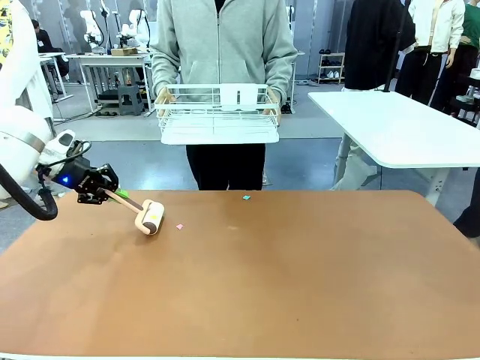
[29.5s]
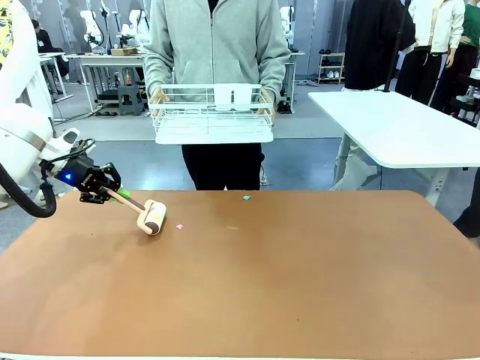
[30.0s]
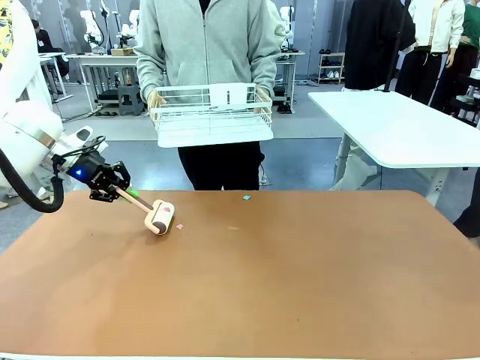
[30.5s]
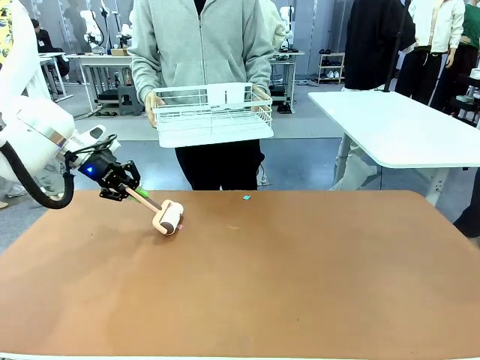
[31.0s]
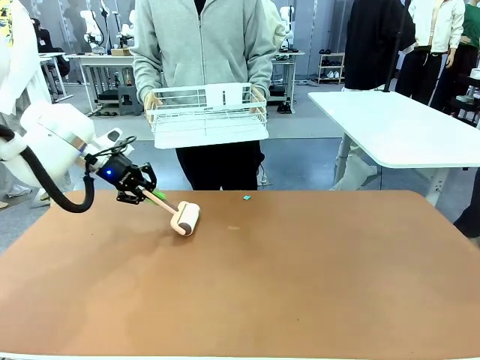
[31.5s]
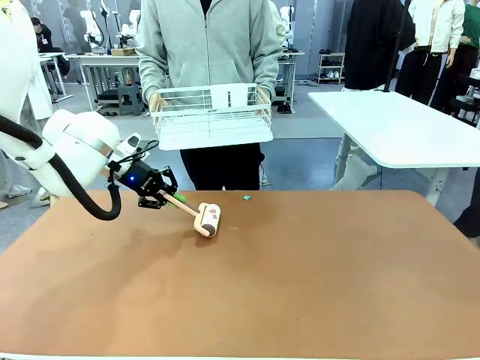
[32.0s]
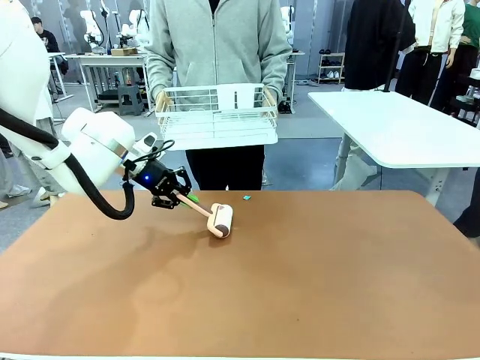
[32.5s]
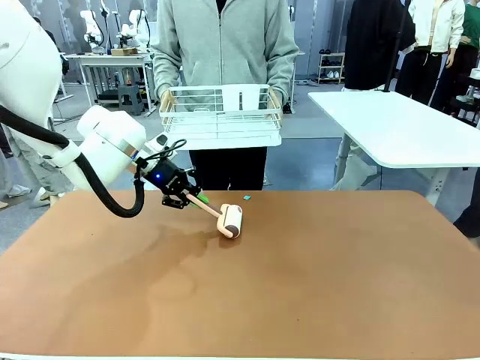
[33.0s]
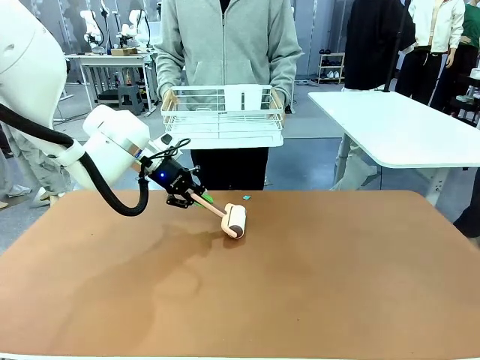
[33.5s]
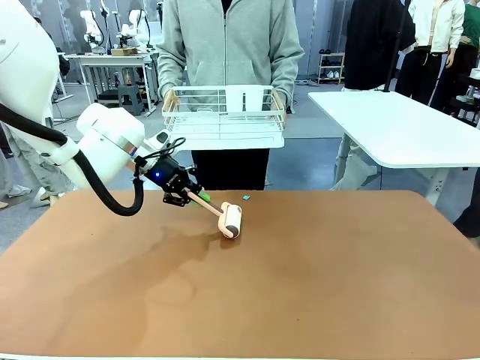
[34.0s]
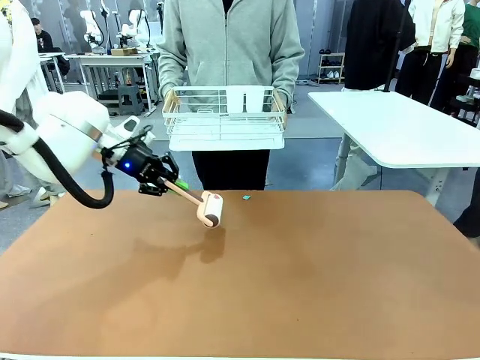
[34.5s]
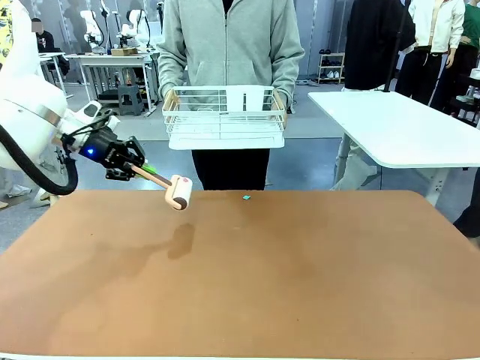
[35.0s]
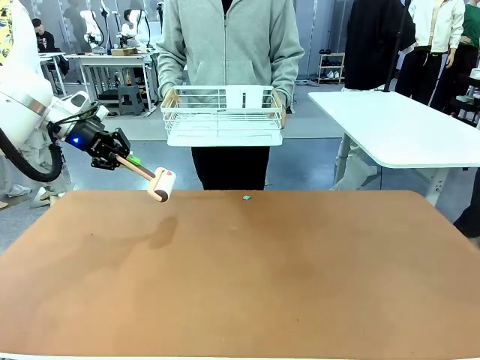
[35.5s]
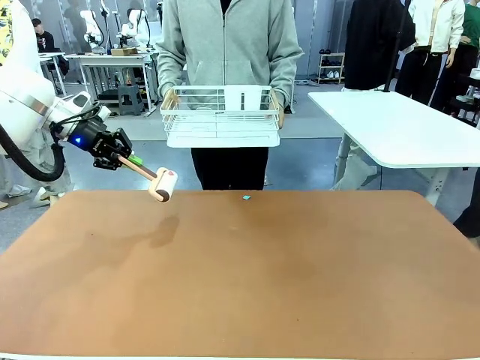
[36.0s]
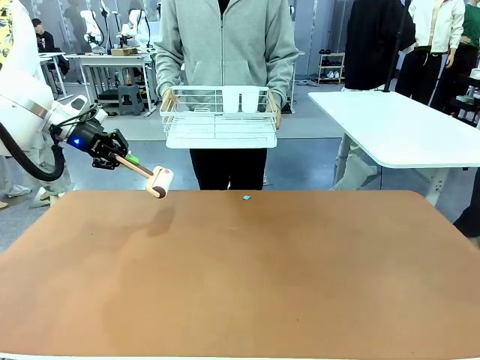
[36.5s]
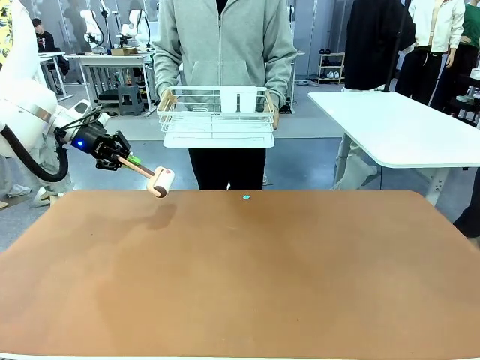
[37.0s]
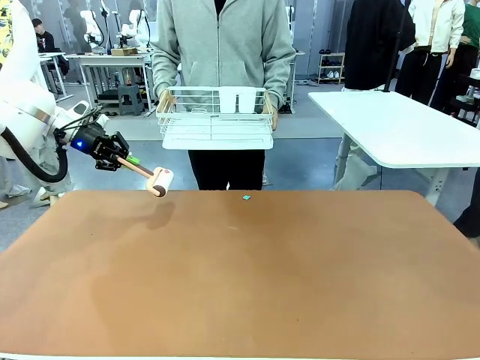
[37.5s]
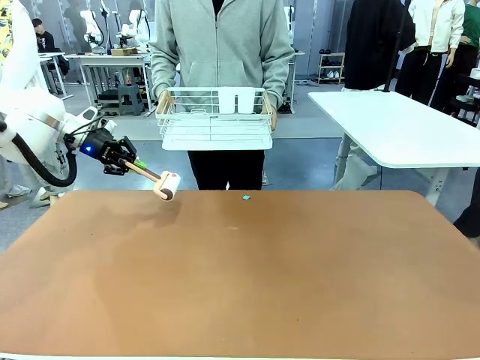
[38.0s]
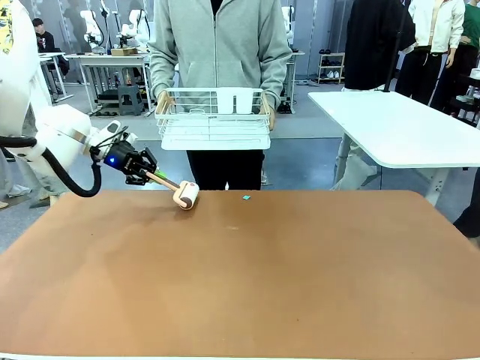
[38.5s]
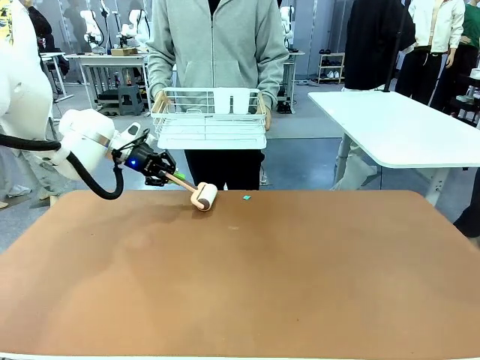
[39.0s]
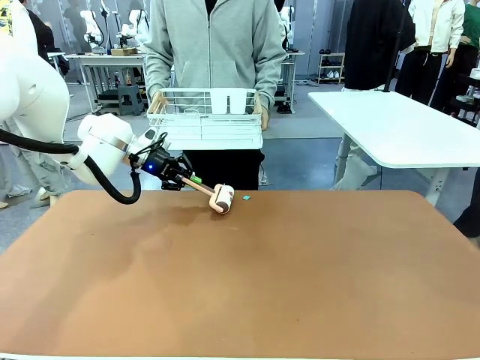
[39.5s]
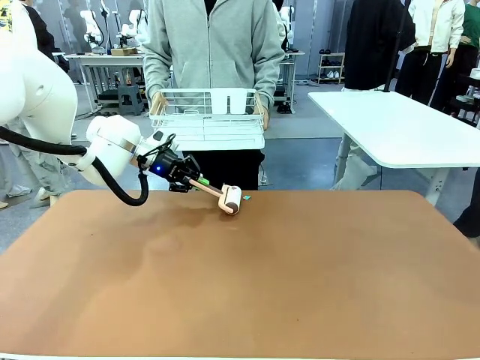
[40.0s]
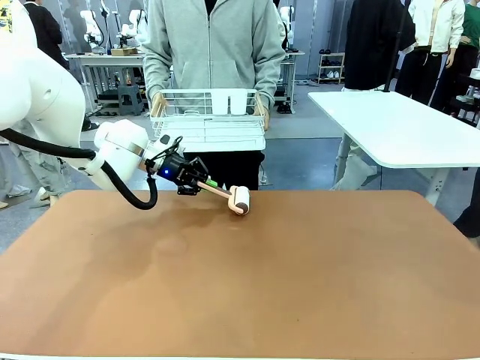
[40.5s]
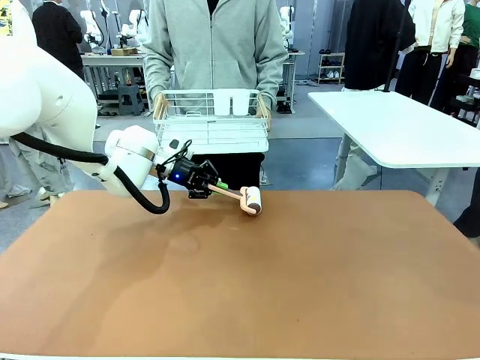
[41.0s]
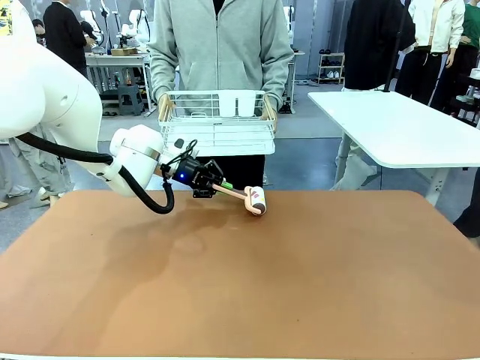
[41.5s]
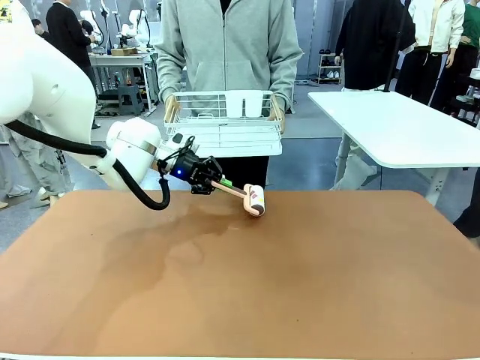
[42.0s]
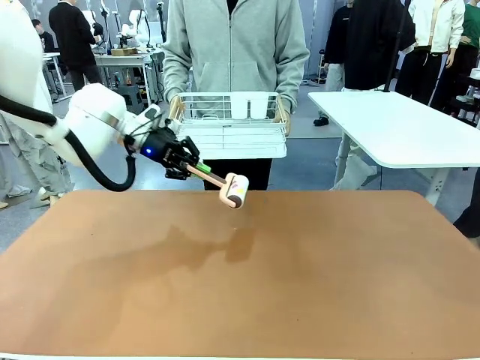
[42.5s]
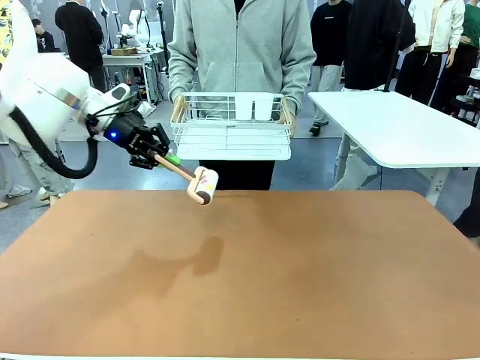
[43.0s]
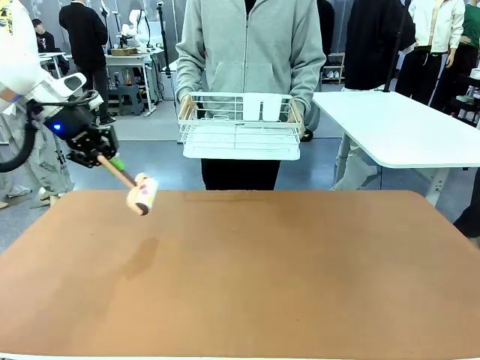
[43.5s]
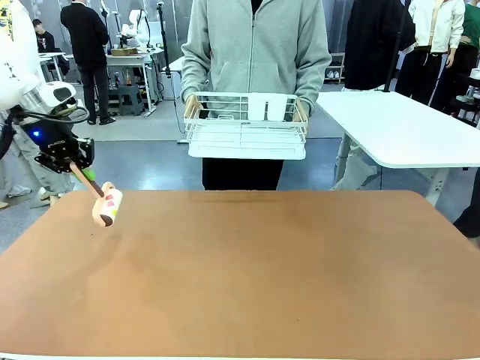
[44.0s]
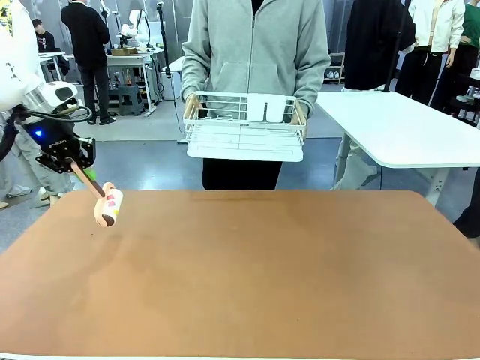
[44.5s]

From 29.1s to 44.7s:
Task: Clean the table.
Robot: Clean the table with the Lint Roller when the human lifts the Dish drying rack.

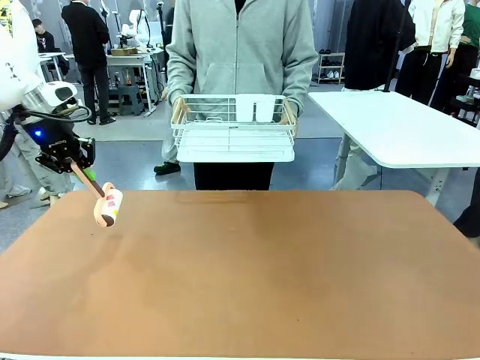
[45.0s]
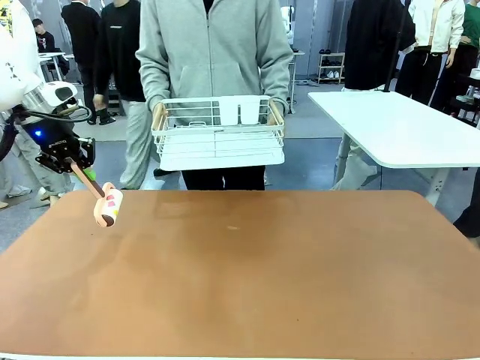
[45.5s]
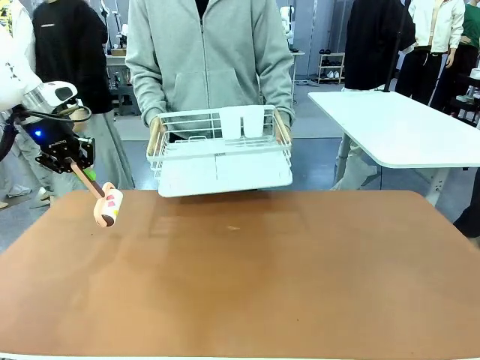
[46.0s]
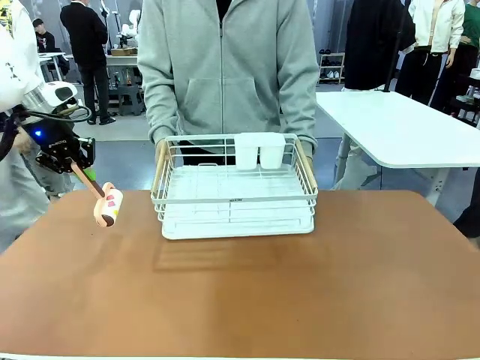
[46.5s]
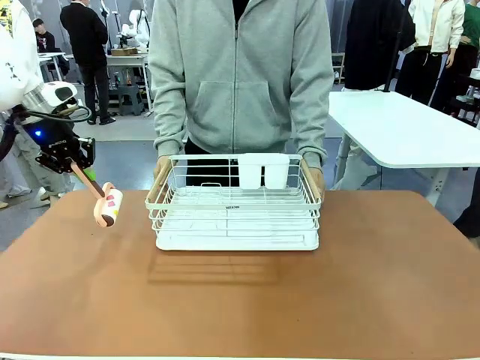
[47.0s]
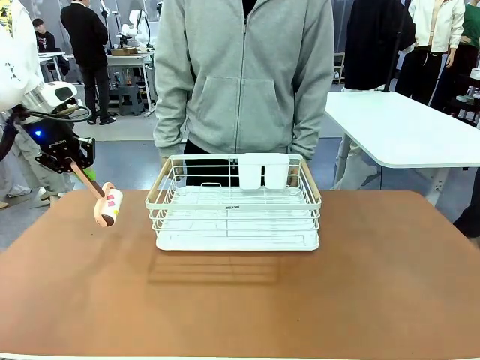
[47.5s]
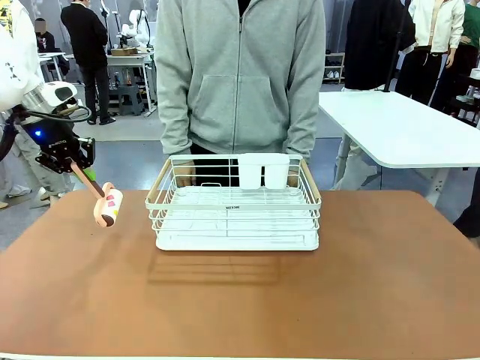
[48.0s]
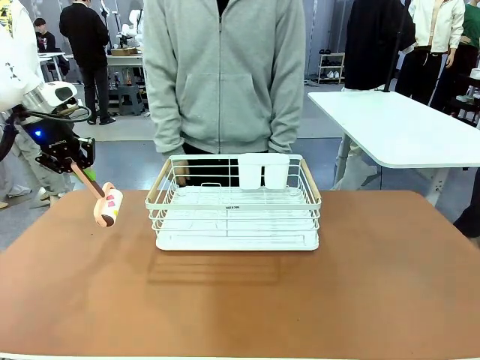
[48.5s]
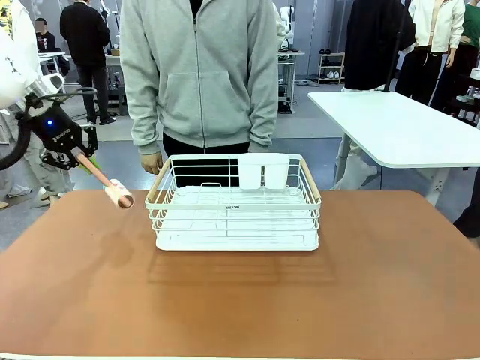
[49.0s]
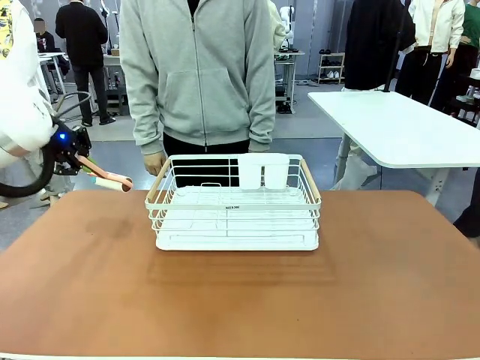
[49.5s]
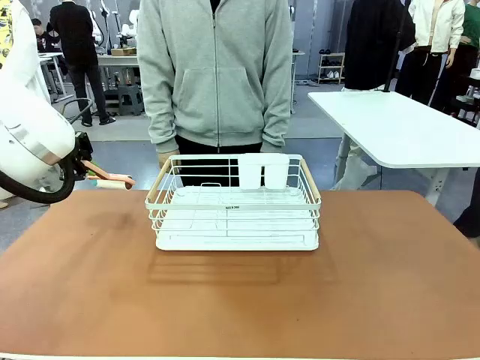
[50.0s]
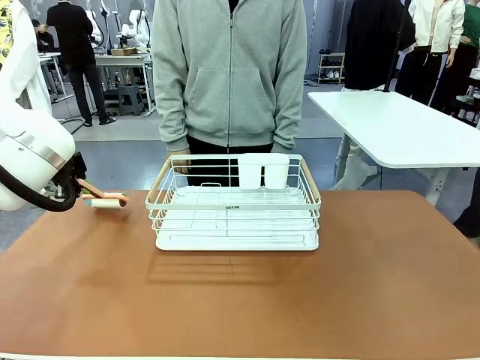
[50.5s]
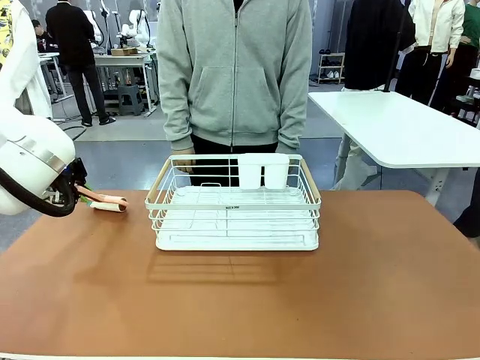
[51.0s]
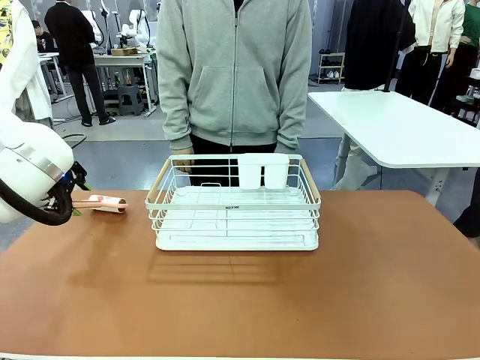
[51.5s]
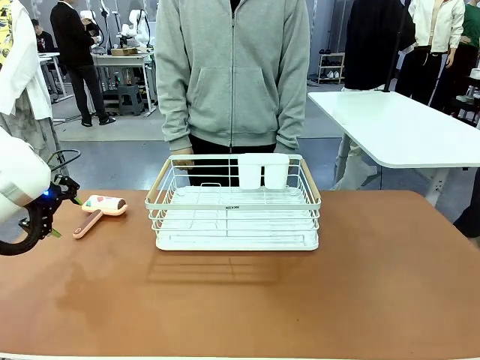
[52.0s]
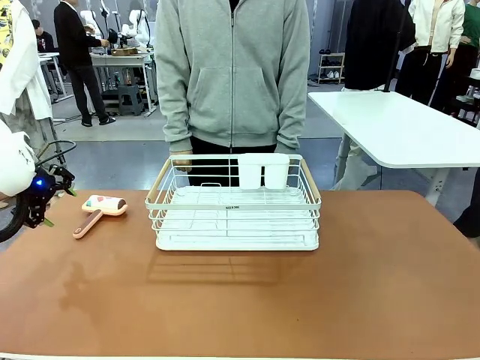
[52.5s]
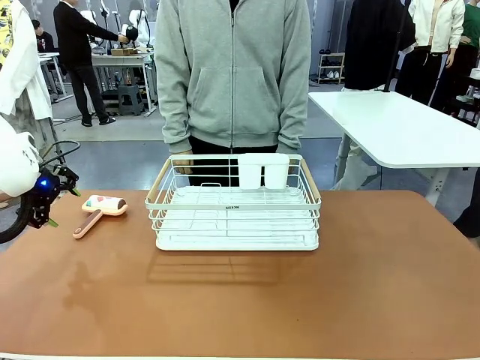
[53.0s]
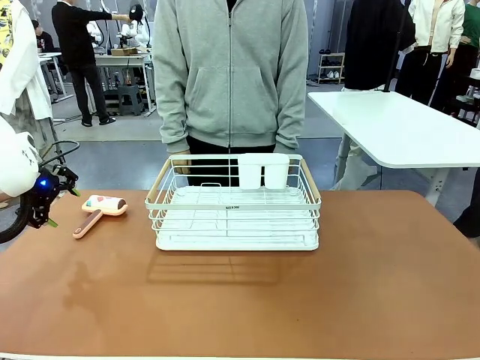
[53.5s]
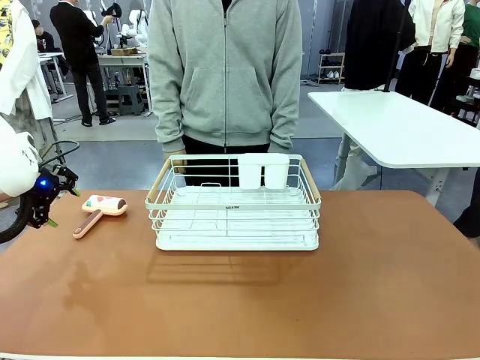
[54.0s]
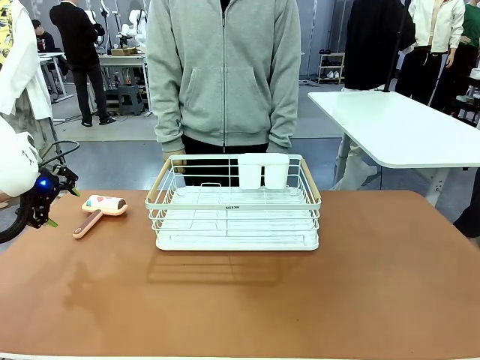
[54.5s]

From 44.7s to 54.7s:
Robot: Place the Lint Roller down when the Dish drying rack is positioned in the middle of the table.

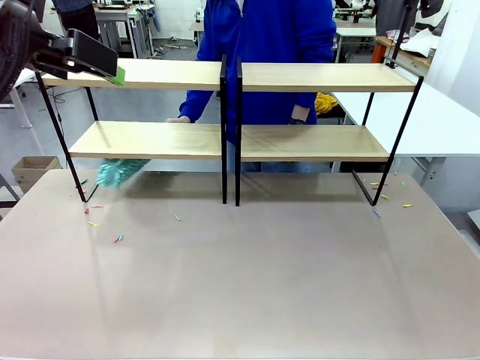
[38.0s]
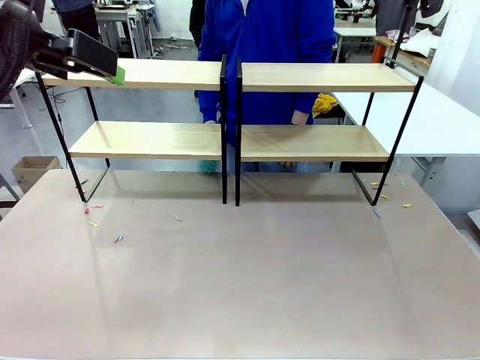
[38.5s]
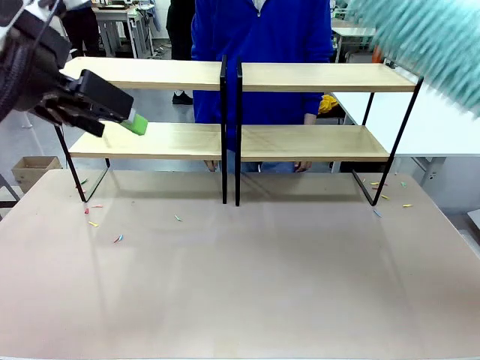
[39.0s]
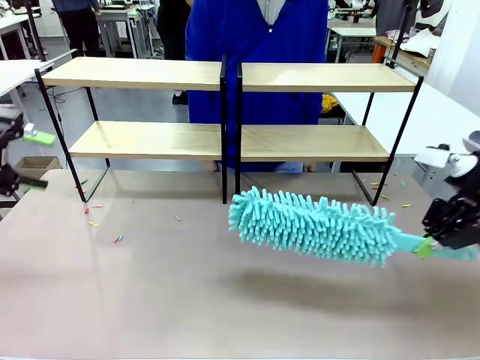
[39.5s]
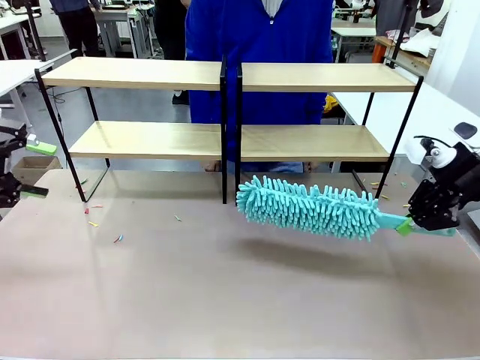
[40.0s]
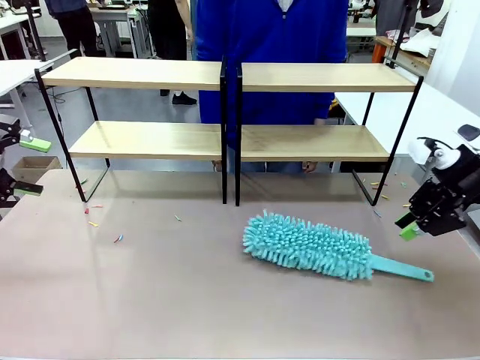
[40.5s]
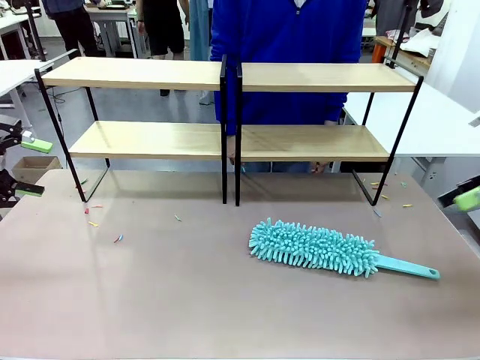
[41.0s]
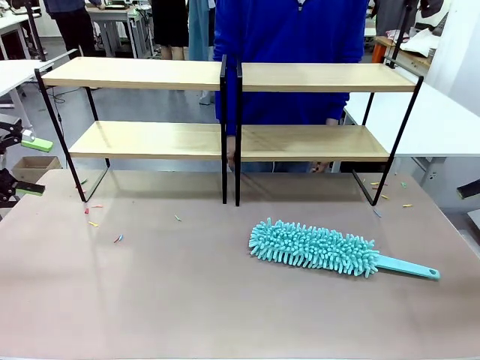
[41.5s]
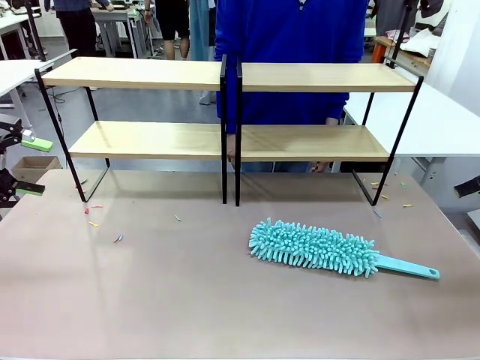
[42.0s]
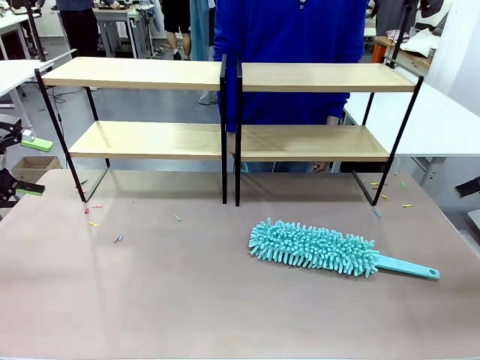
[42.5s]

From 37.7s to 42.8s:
Task: Clean the shelves.
Robot: Place the Duster on the table.
